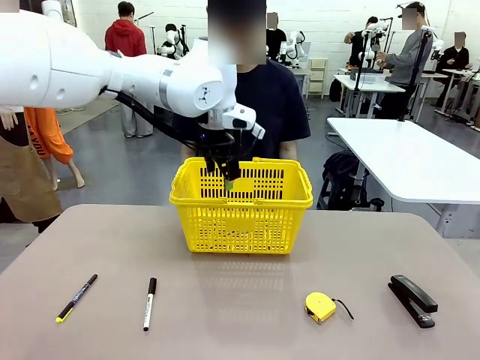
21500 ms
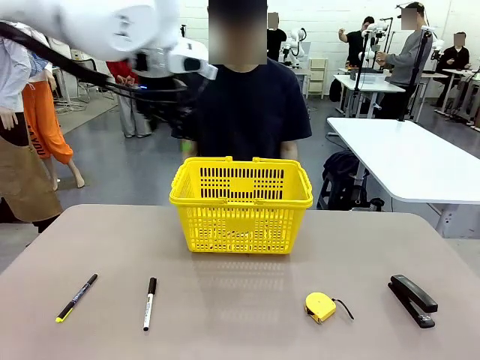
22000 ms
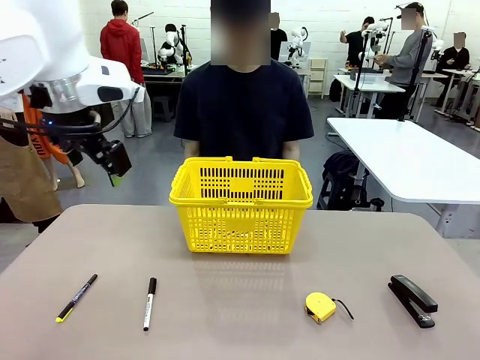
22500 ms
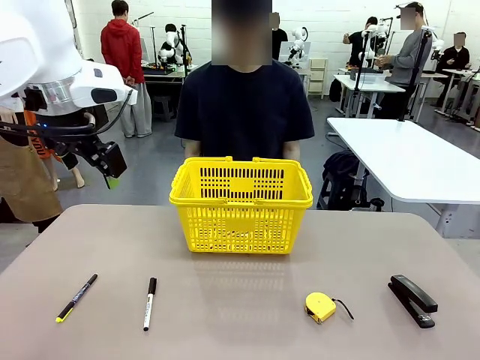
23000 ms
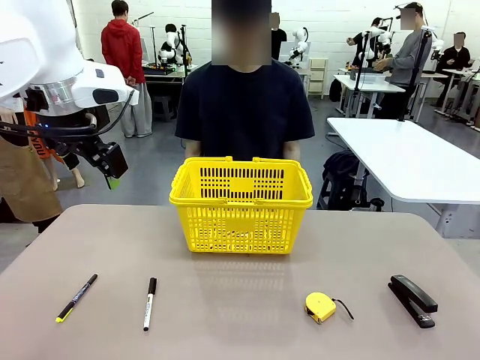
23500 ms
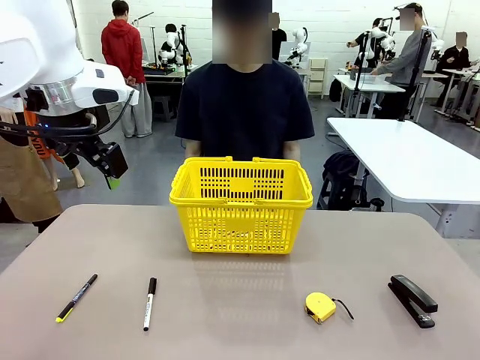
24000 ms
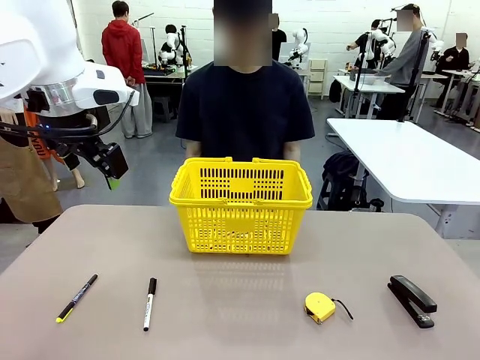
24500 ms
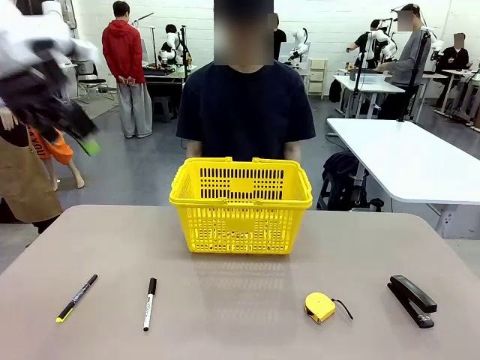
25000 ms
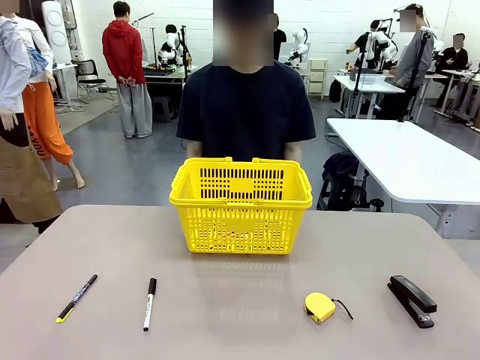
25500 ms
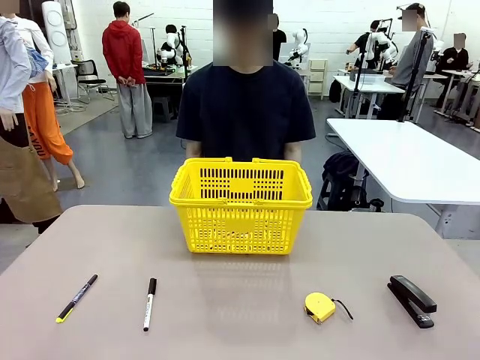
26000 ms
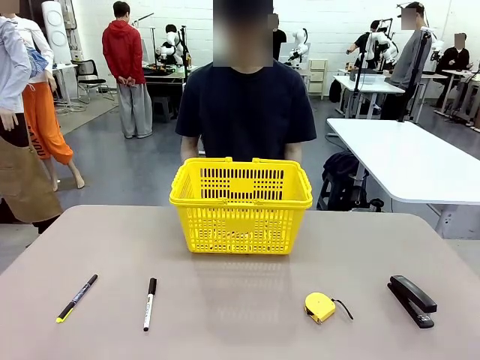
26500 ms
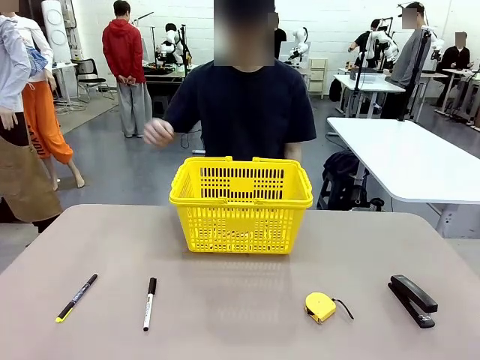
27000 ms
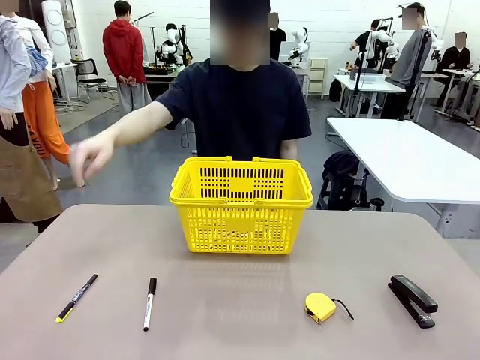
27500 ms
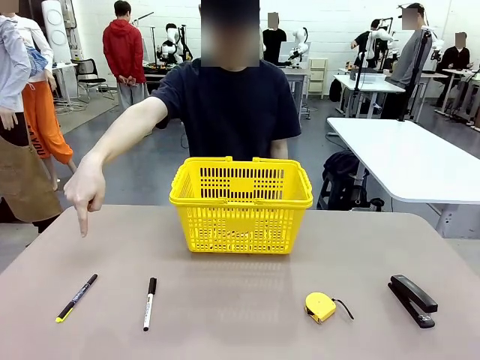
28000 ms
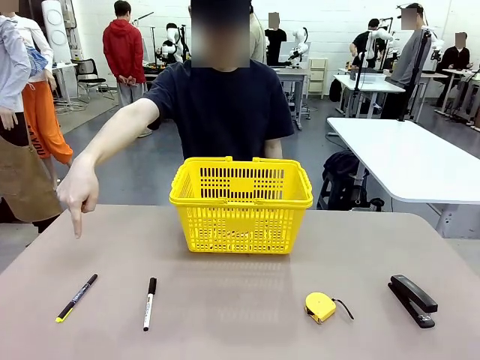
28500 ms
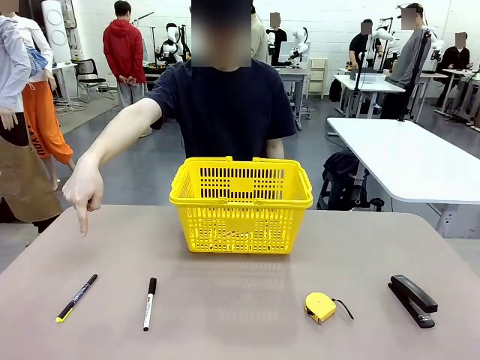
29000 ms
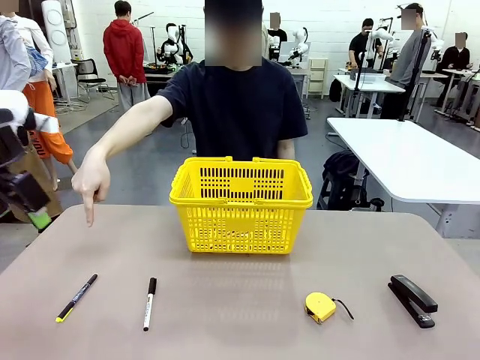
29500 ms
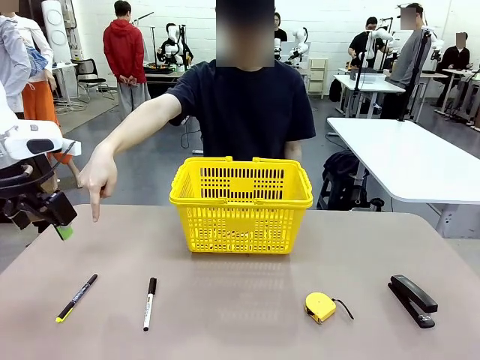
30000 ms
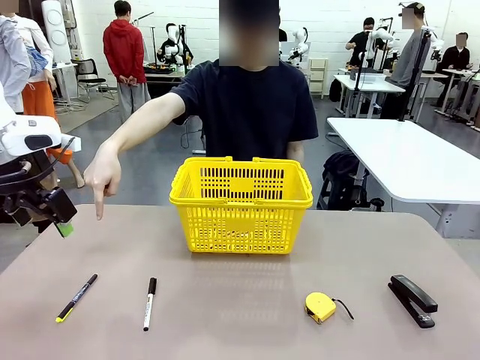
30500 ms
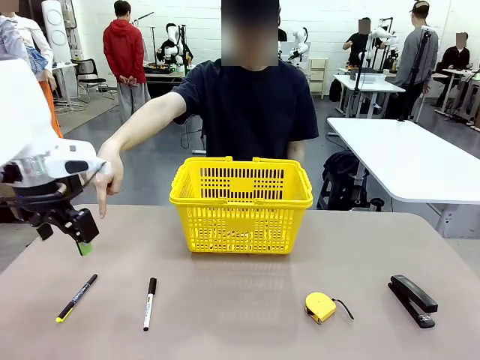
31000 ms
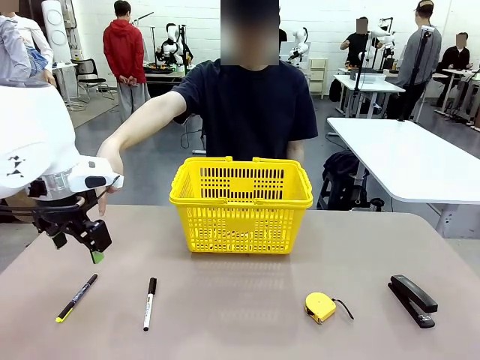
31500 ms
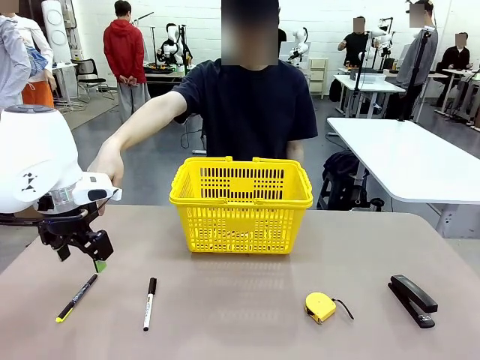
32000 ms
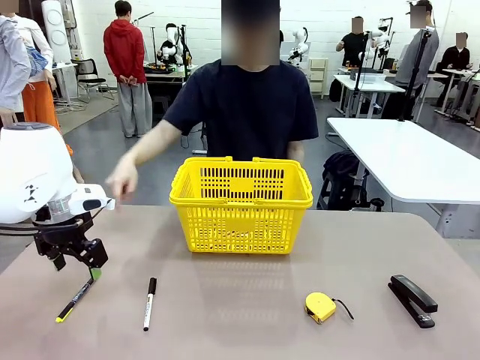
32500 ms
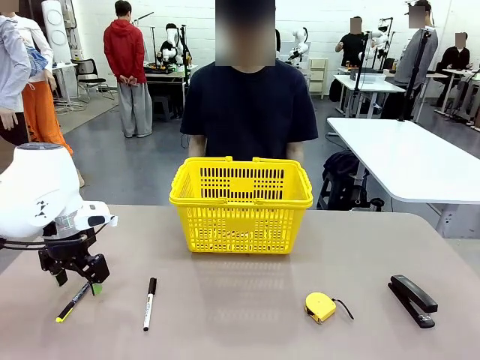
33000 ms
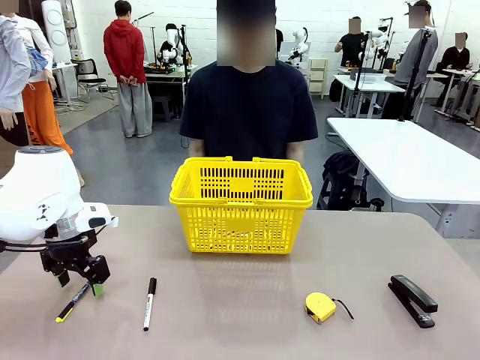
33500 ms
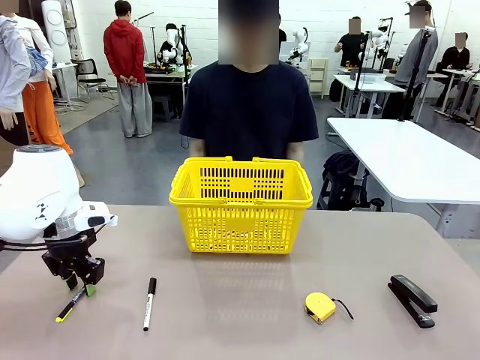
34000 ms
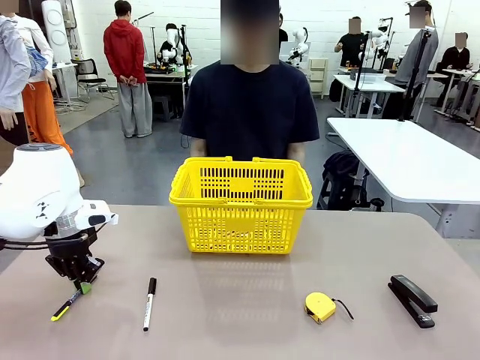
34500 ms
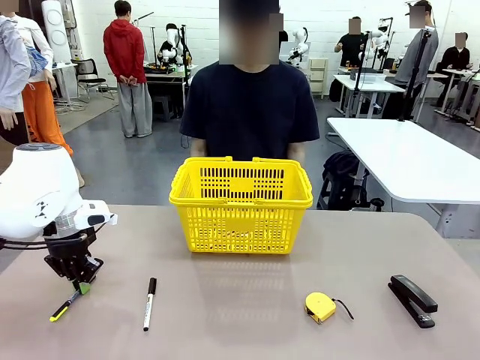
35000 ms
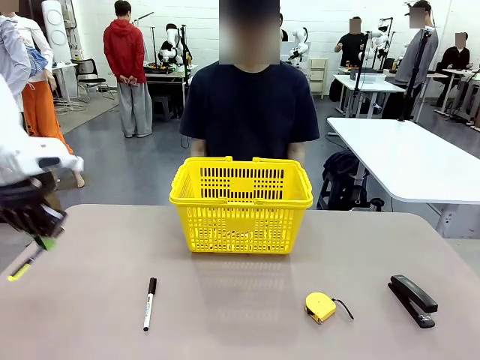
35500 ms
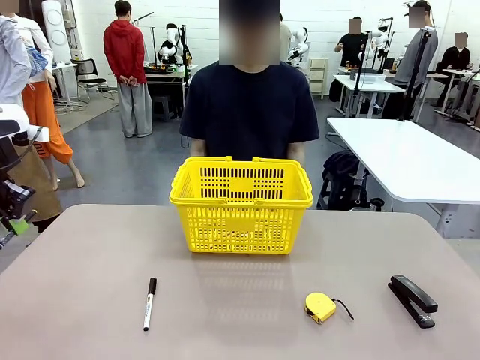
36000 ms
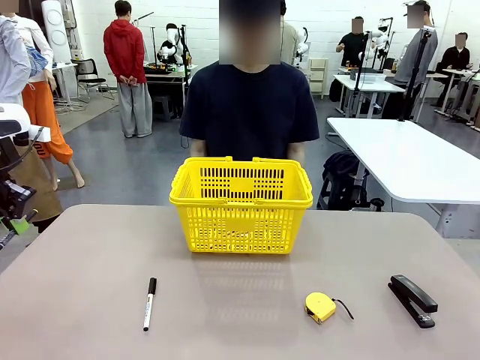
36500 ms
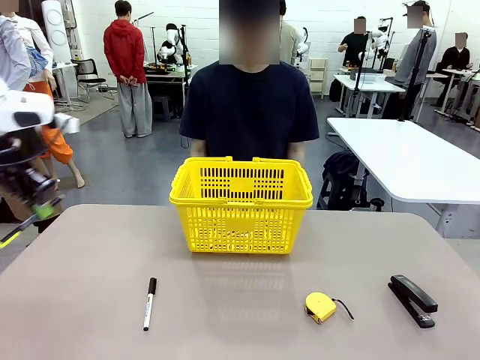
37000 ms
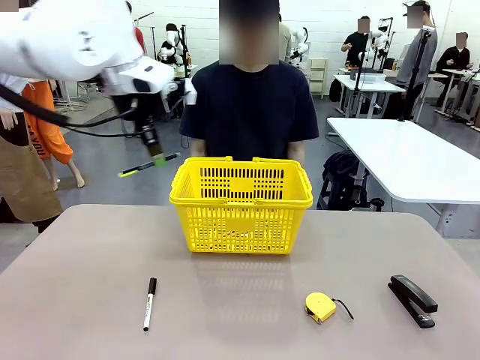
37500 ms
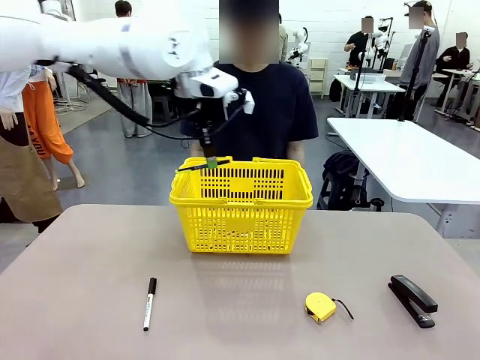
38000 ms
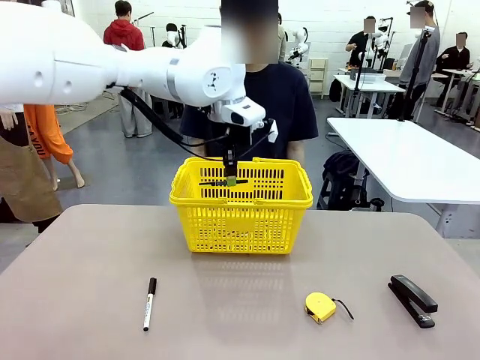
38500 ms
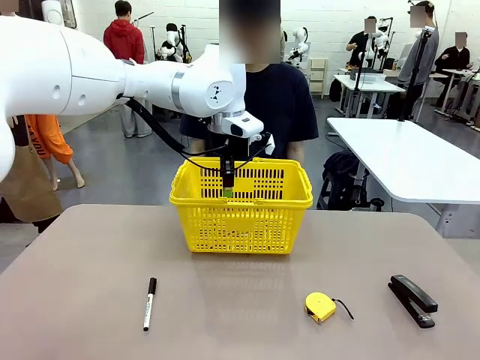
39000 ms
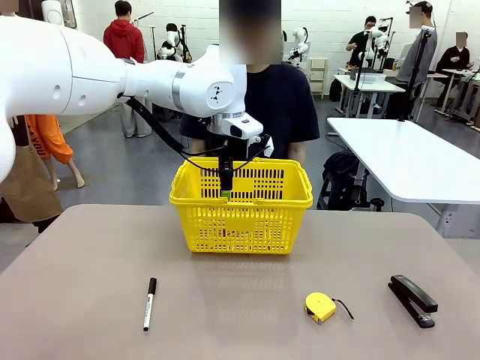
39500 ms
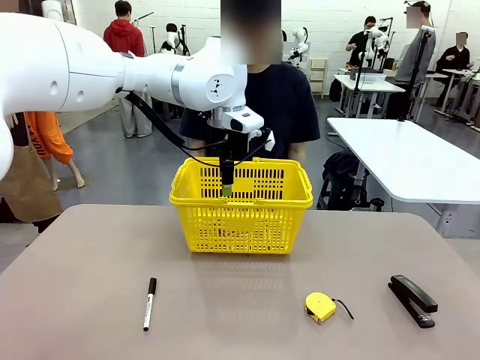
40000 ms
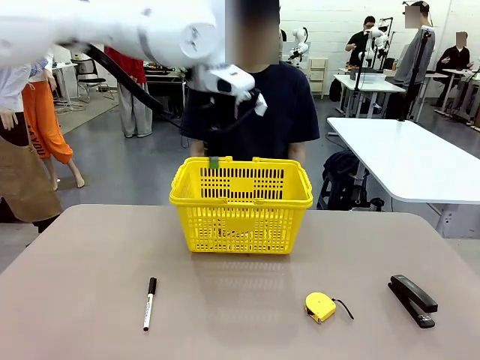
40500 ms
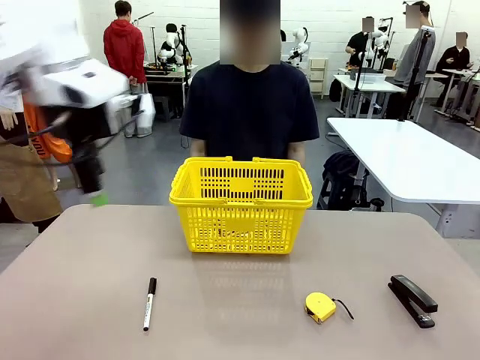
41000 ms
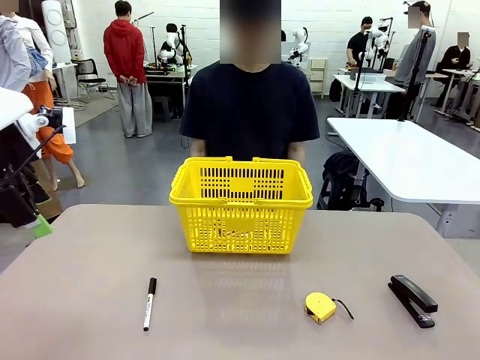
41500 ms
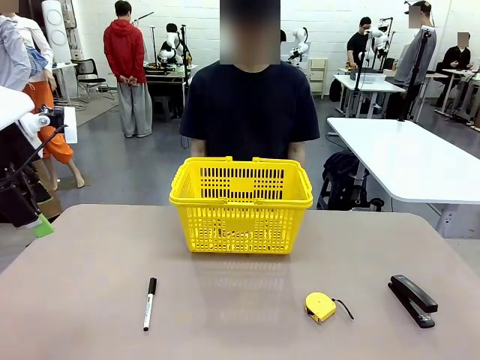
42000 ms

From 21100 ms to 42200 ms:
Task: Place the items the person wants into the basket.
Robot: Pick up the item the person points to and place it in the Market Basket.

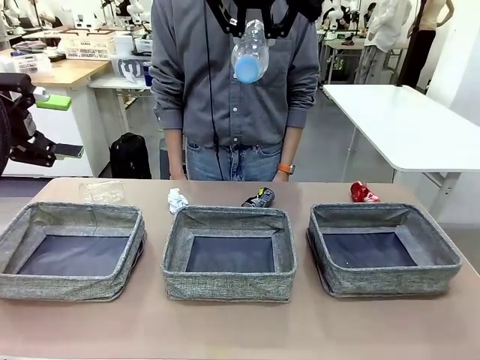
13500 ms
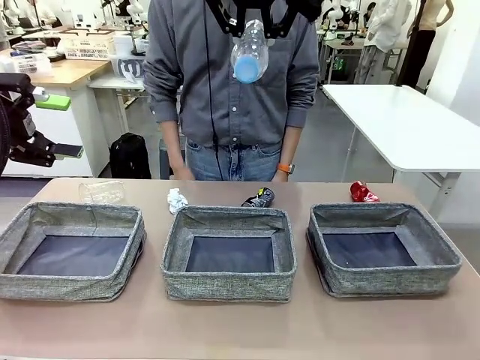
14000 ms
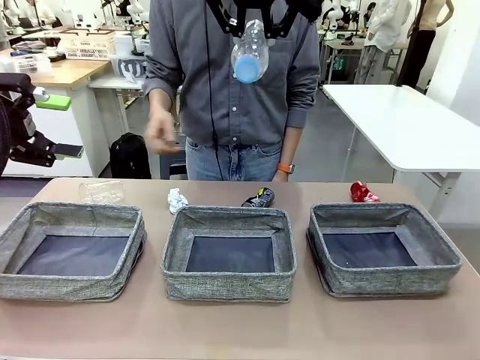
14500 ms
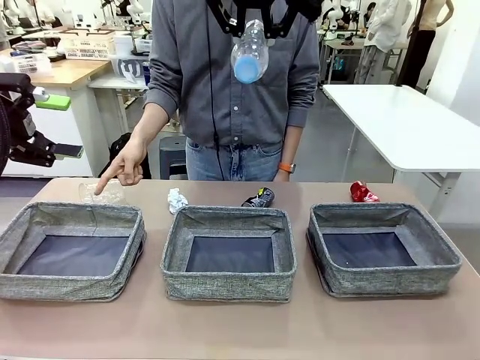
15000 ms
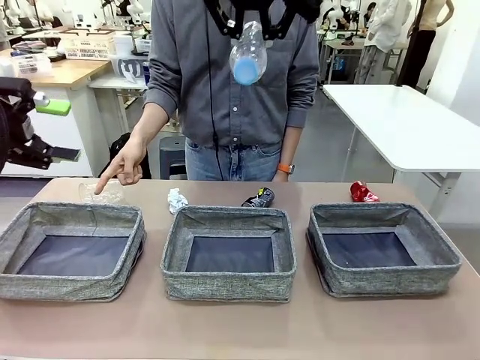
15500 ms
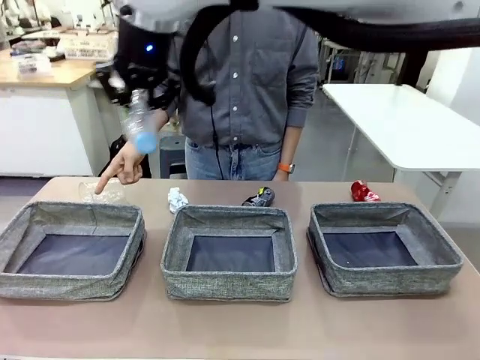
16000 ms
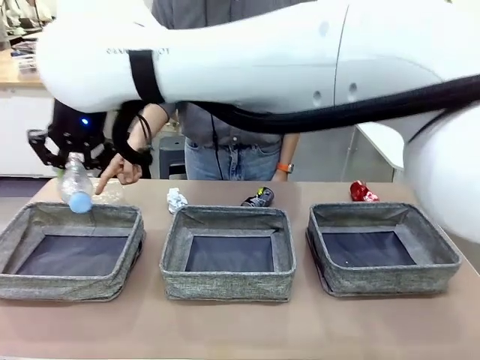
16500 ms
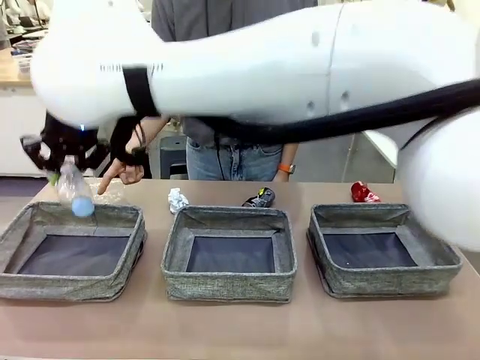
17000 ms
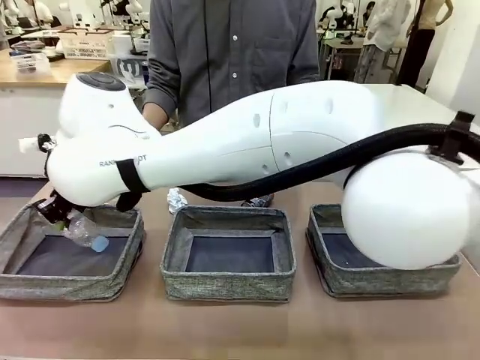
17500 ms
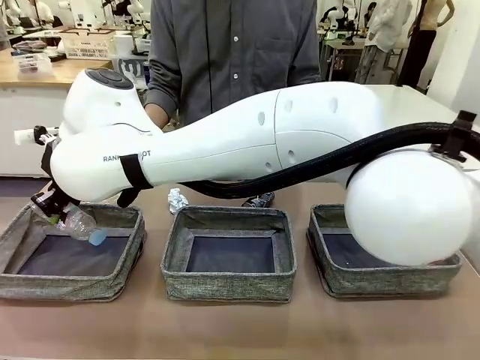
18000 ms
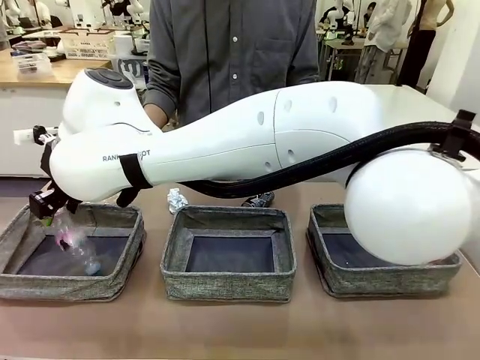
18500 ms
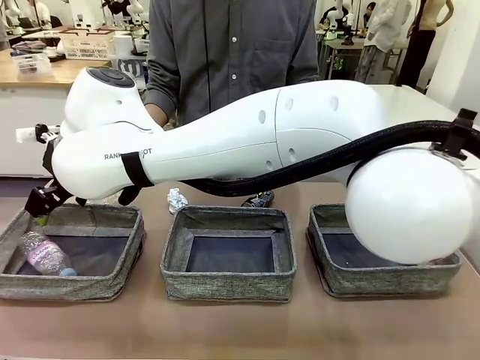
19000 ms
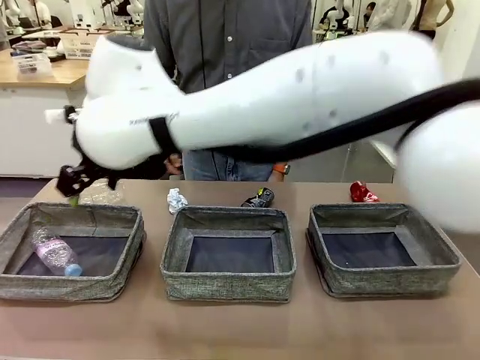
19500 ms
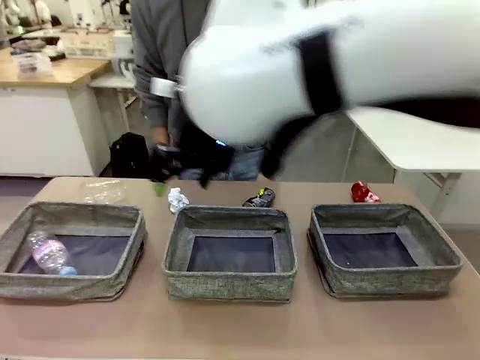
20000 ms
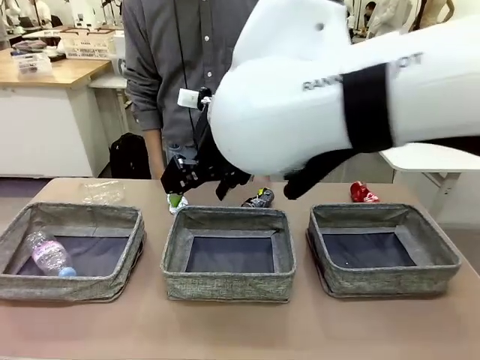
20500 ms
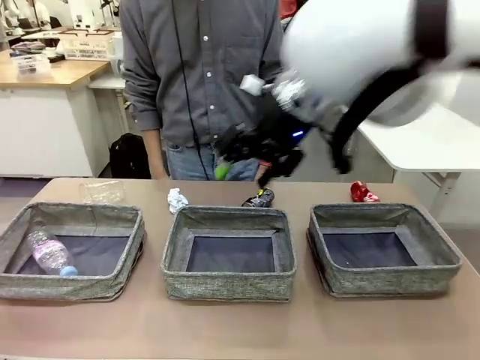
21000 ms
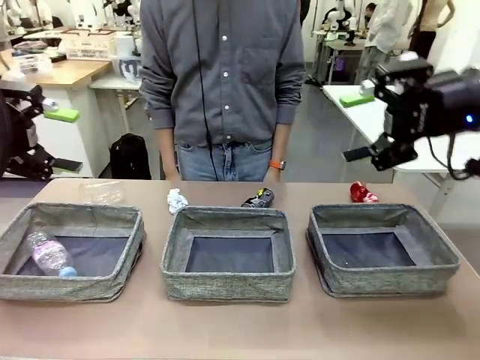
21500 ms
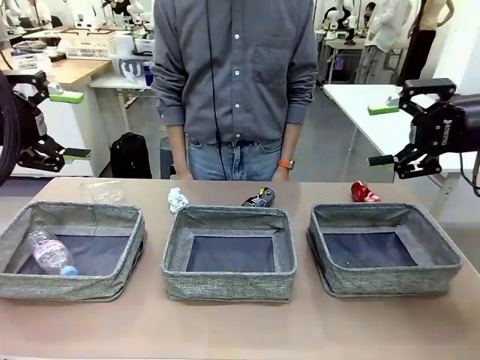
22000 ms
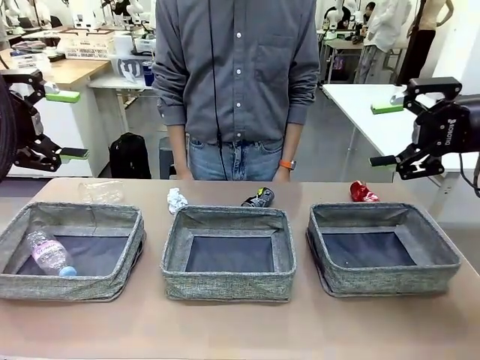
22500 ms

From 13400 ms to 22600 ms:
Task: Sort the waste into the appropriate baskets.
Robot: Place the picked waste into the Fabric basket indicated by the person.
Person: Instructs the robot to place the picked-up trash into the appropriate organizing basket.
